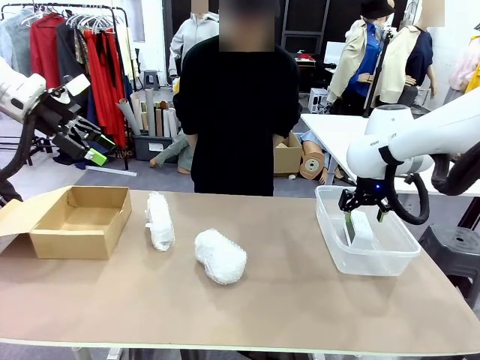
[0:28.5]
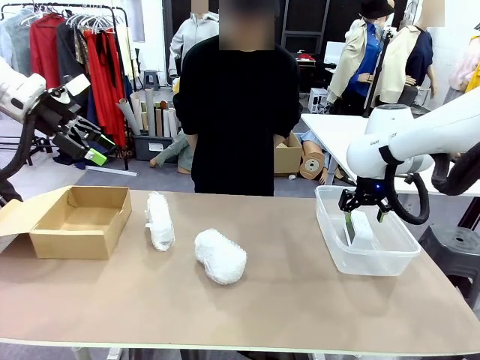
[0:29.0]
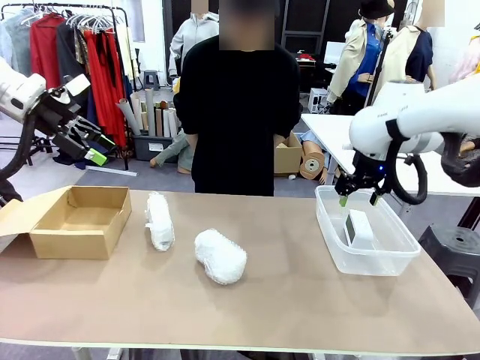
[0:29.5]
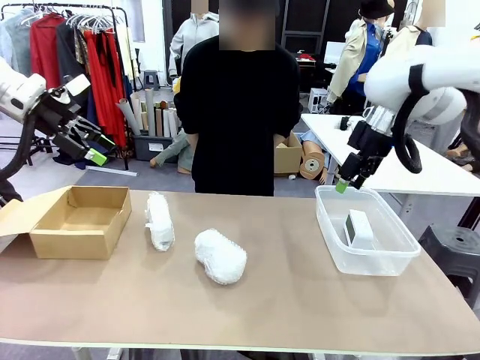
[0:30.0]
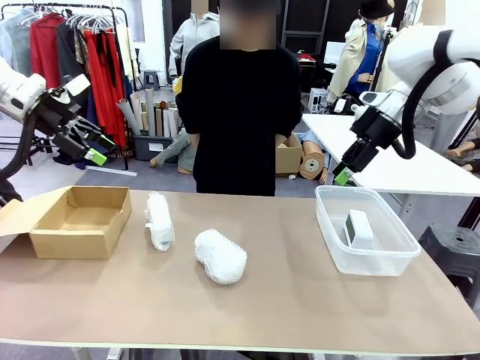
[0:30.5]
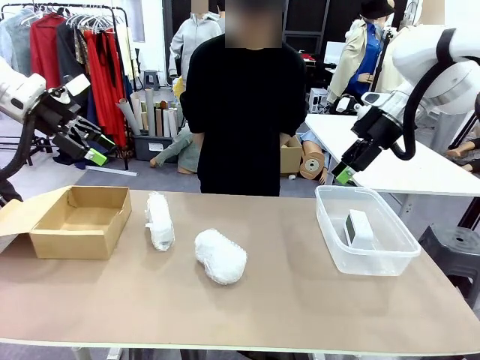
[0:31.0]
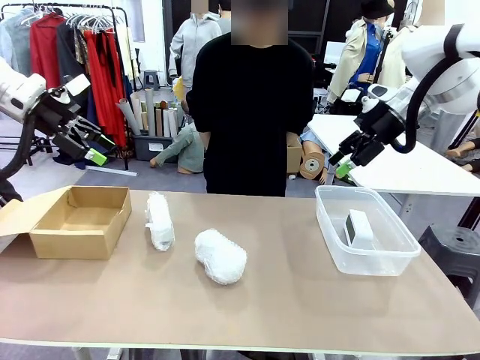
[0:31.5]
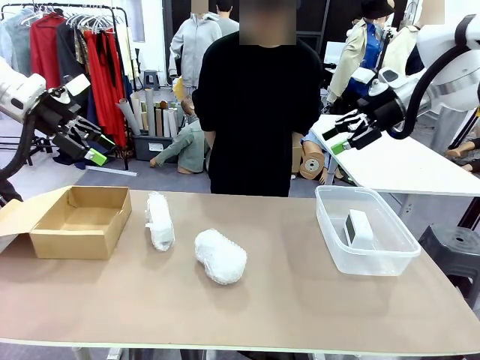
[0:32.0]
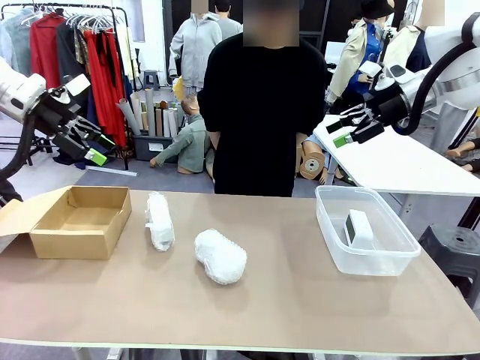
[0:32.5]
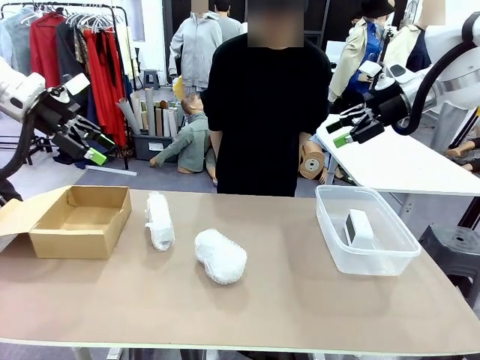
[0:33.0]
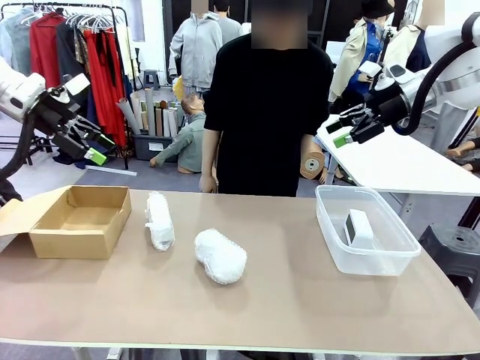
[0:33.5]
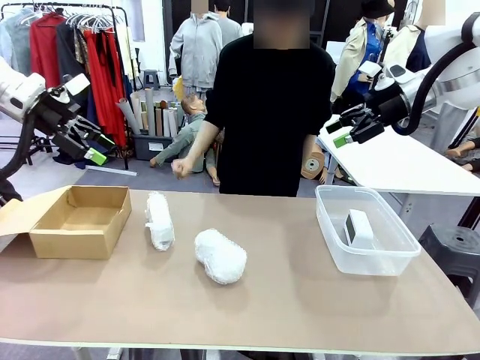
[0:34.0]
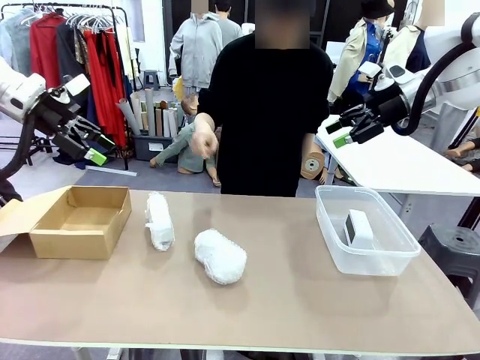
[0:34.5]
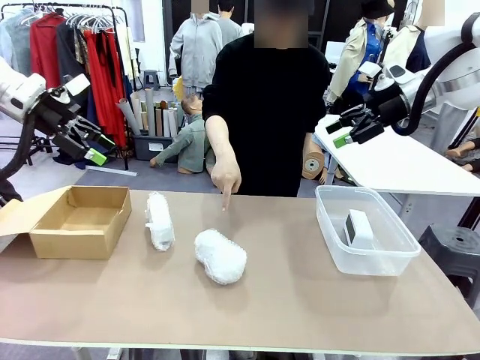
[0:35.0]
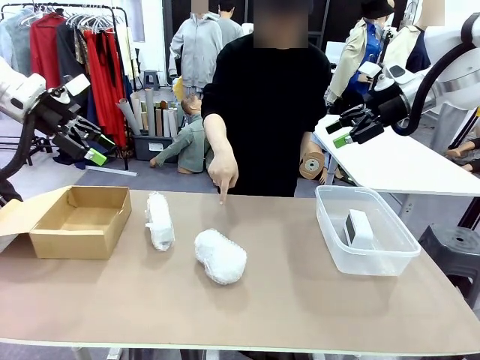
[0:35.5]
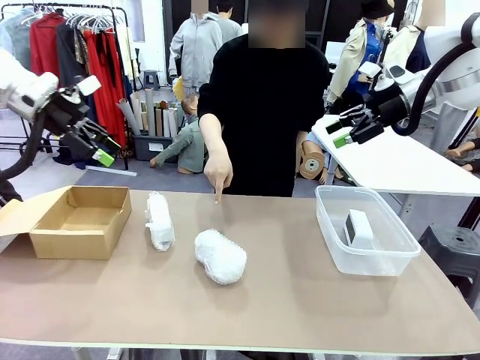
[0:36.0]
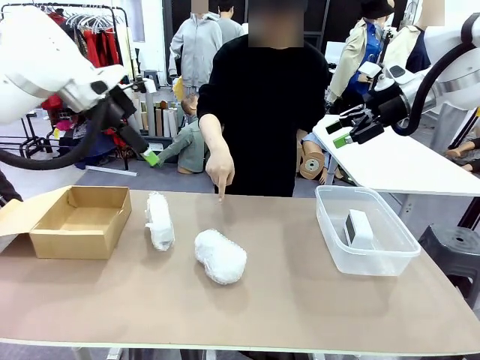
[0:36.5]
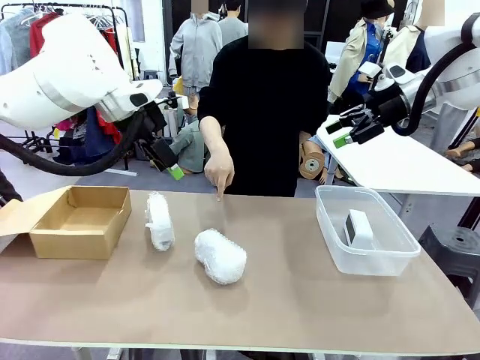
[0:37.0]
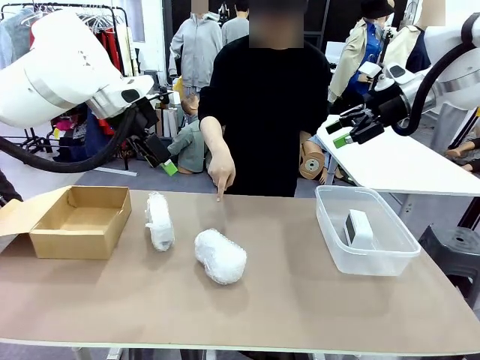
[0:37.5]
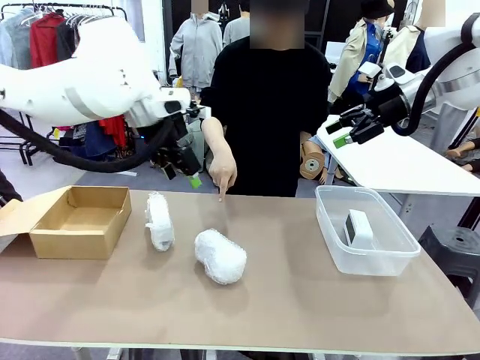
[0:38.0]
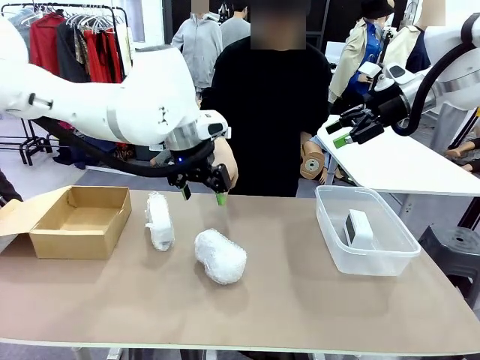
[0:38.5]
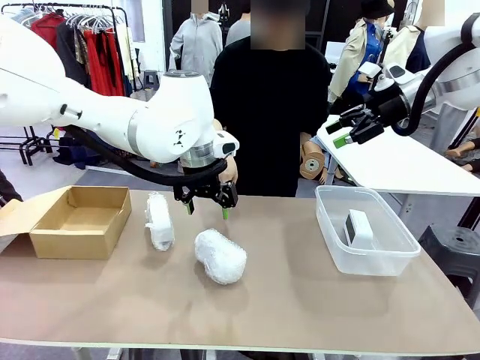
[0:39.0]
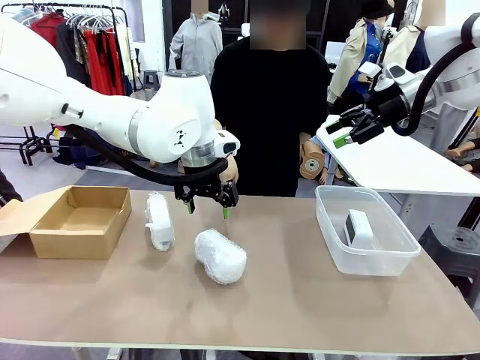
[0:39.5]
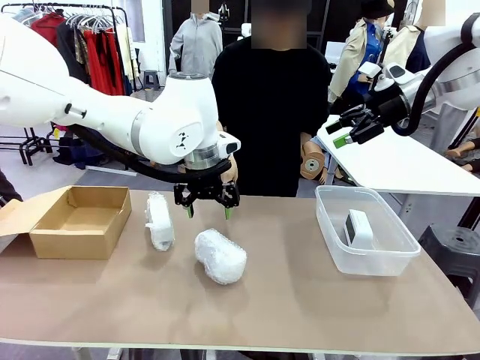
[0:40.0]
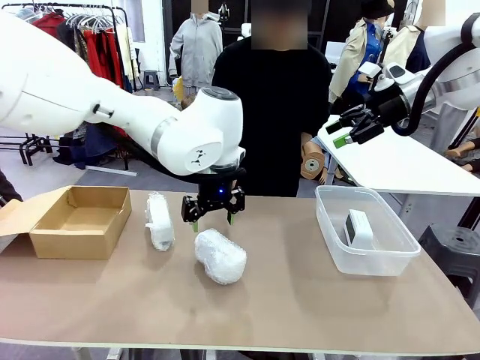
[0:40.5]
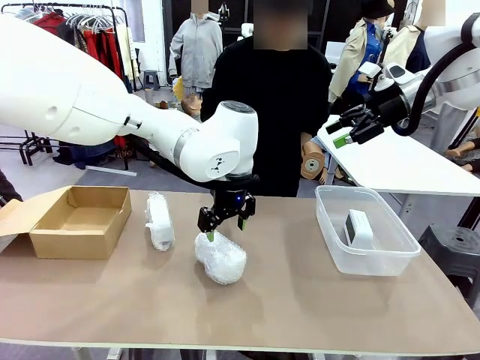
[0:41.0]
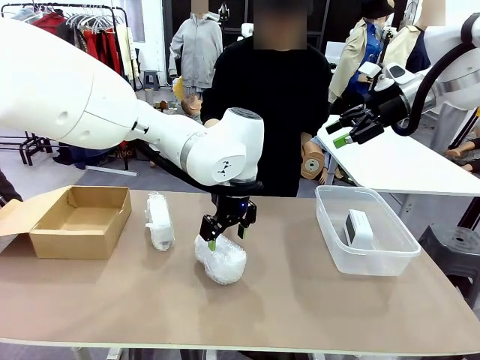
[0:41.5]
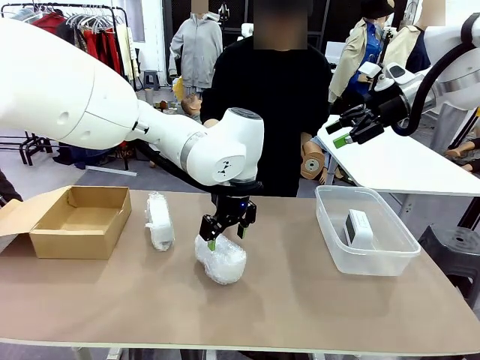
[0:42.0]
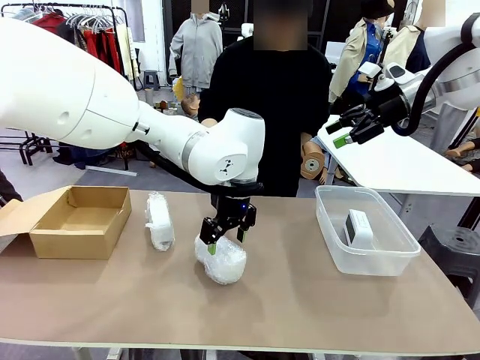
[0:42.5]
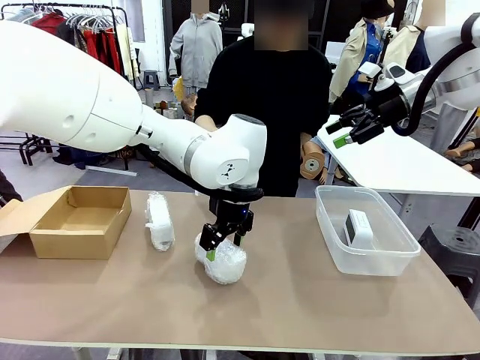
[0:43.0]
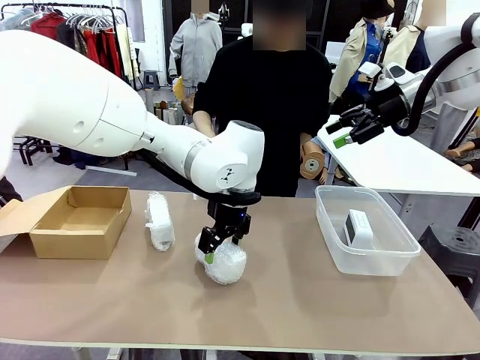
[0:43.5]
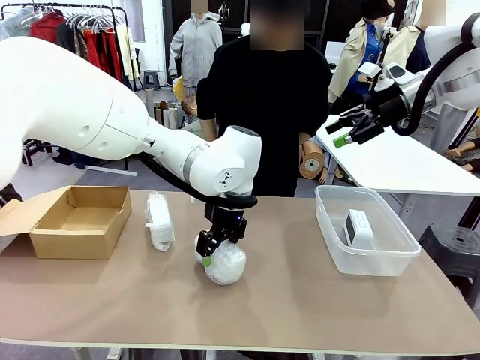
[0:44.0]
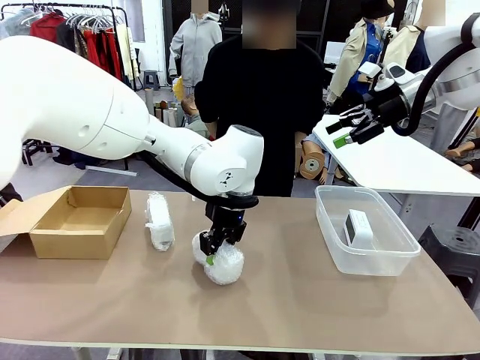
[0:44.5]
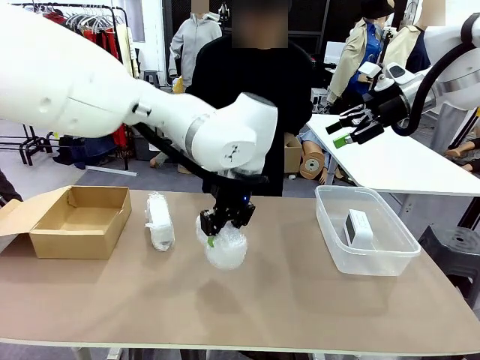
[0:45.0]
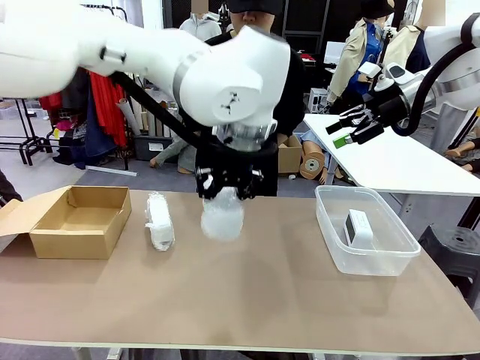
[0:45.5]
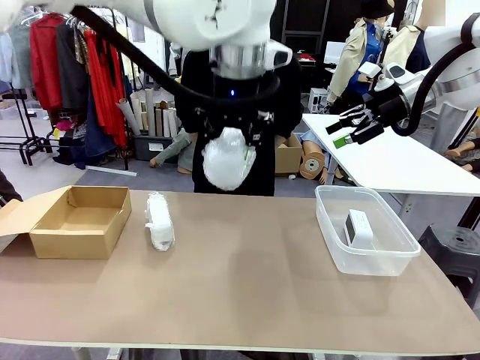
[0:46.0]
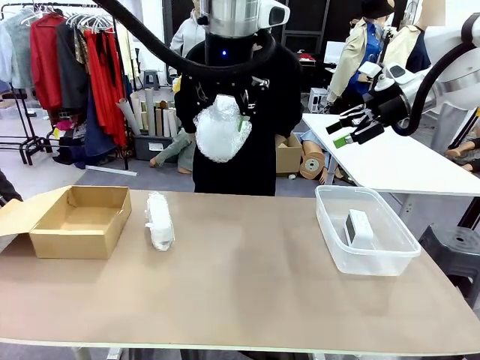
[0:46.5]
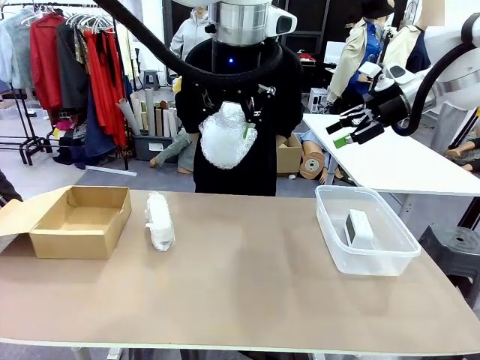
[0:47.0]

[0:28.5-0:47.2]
Task: Separate and place wrapped and unwrapped clocks.
Robot: Pick up the Digital clock indicated by the person.

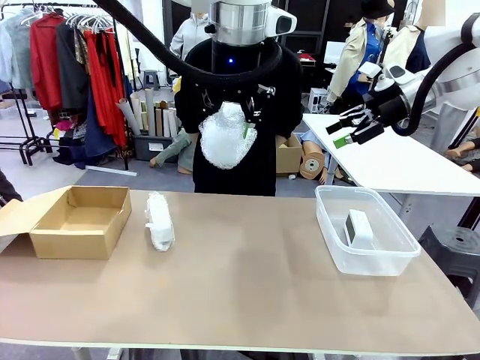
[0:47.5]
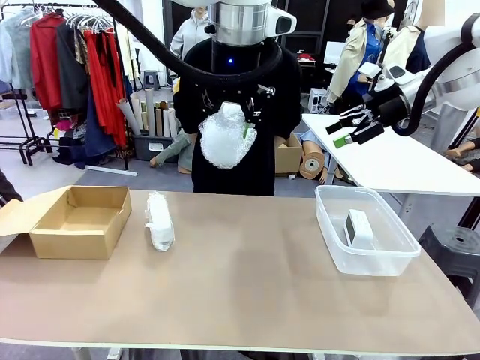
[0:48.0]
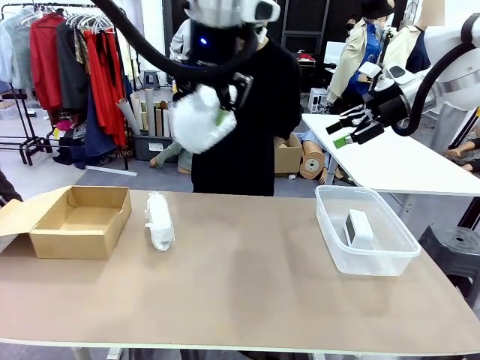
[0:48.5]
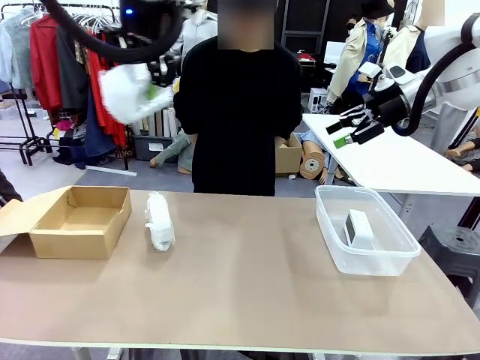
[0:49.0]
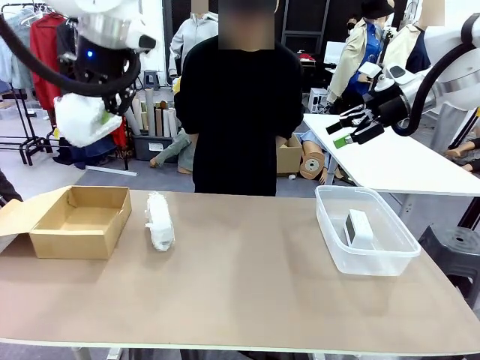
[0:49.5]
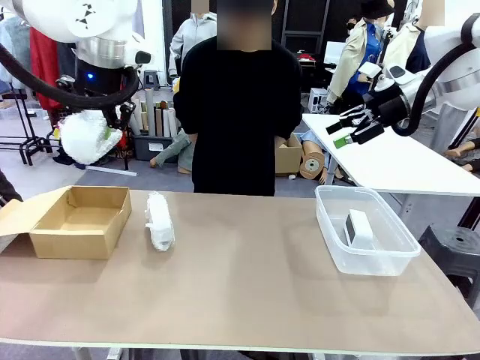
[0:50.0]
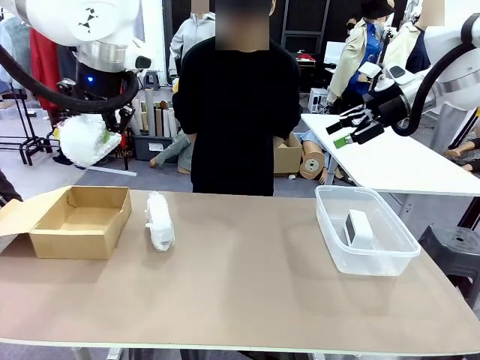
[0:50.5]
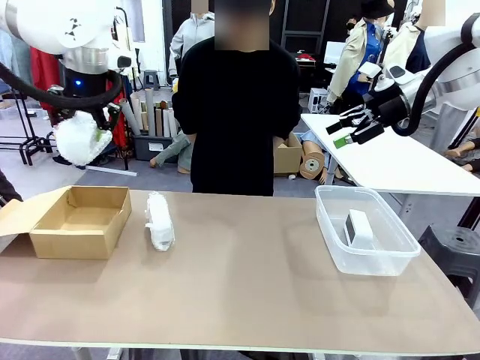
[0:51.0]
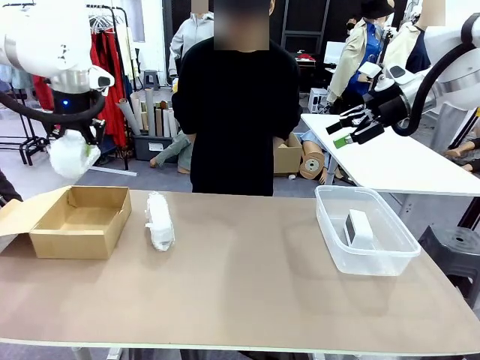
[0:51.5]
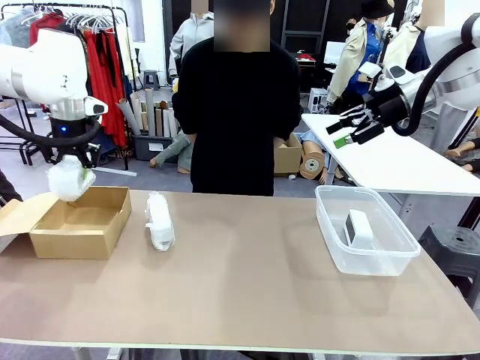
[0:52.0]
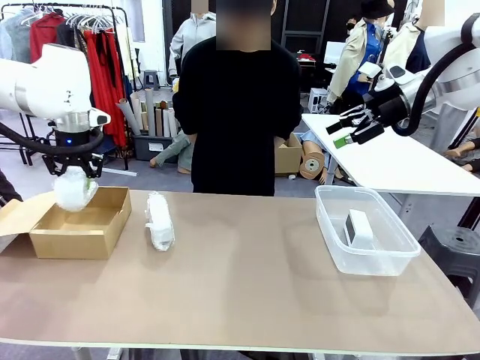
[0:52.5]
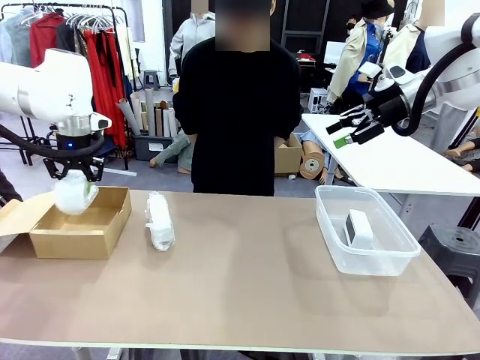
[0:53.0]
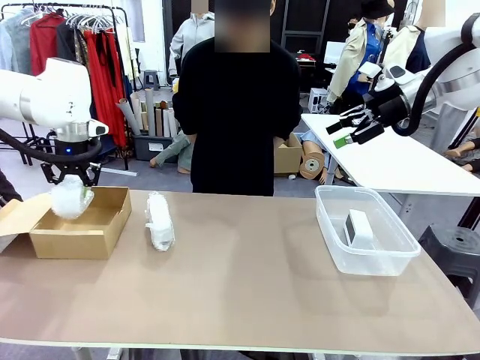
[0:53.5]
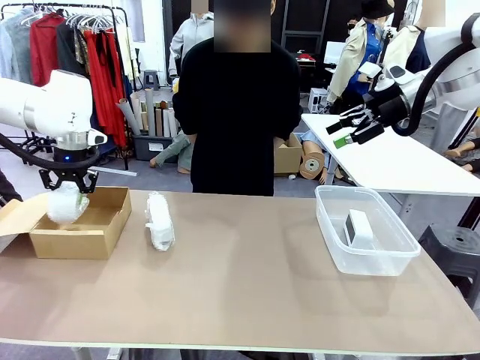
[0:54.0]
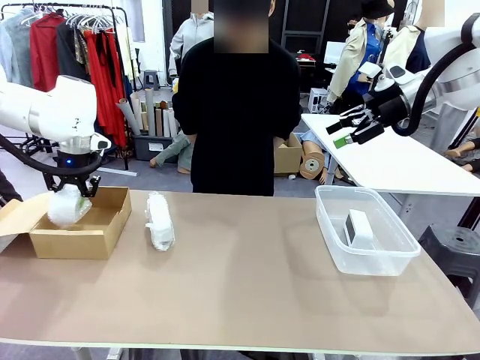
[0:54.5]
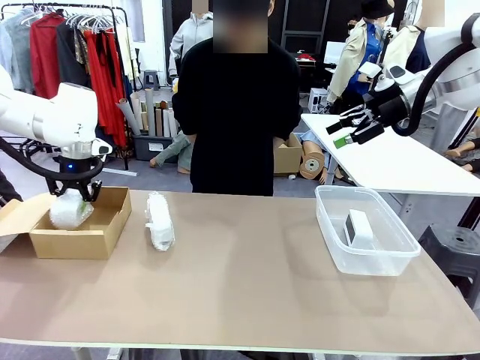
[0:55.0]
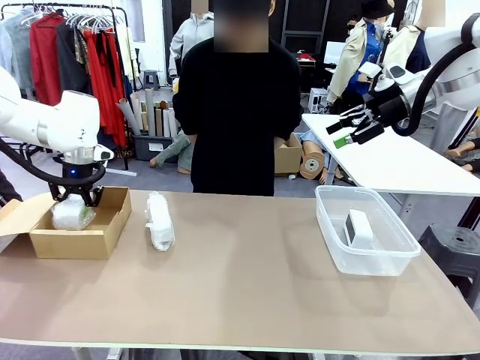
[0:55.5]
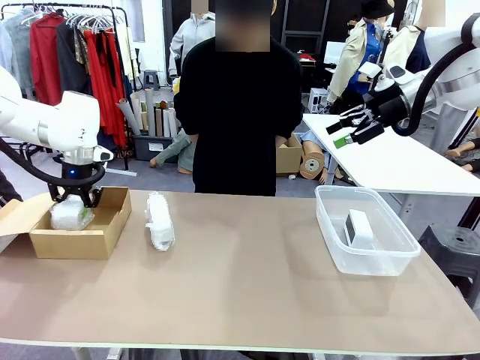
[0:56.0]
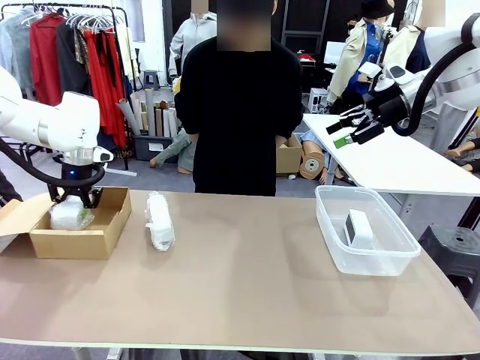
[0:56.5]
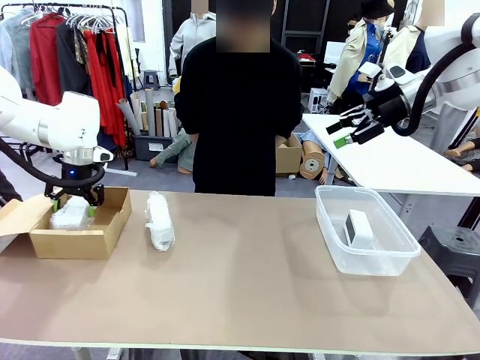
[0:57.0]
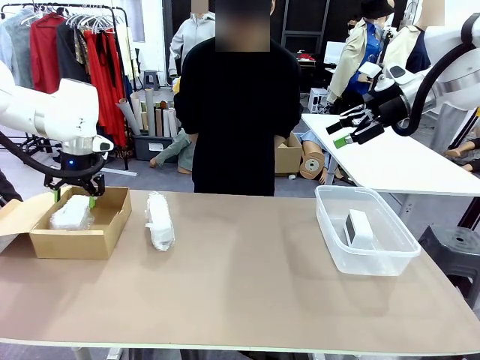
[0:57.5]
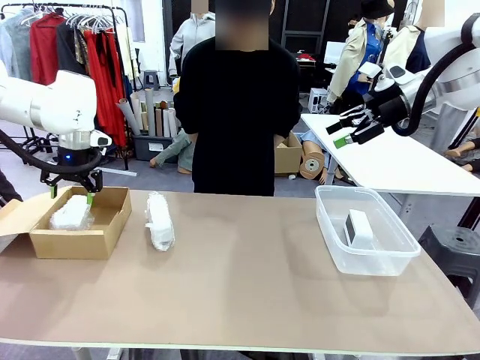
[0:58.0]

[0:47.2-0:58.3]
Robot: If the picked Digital clock is wrapped, place it in the Package Box ; if not, place it in the Organizing box.
